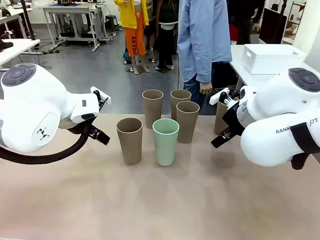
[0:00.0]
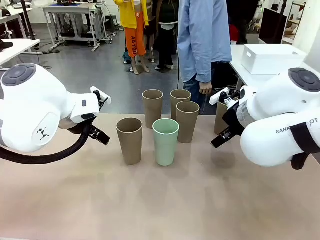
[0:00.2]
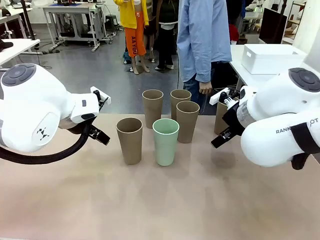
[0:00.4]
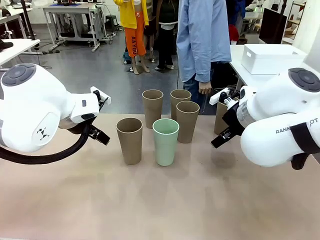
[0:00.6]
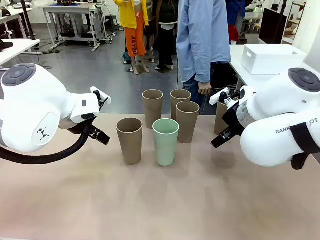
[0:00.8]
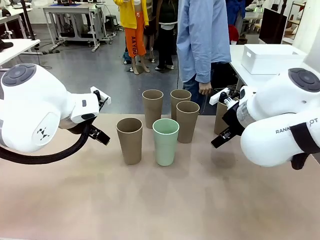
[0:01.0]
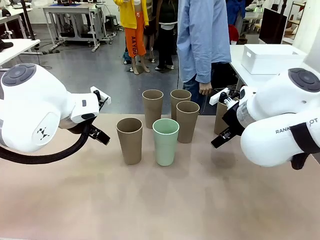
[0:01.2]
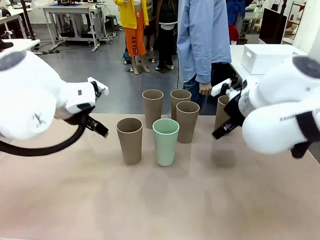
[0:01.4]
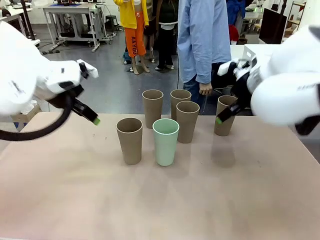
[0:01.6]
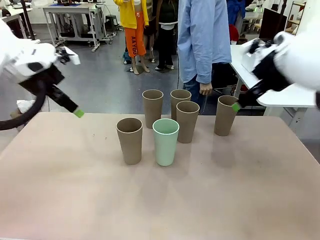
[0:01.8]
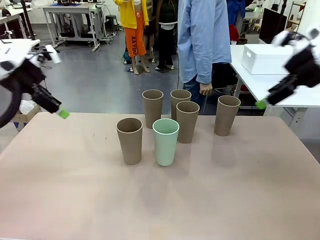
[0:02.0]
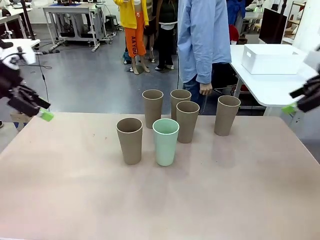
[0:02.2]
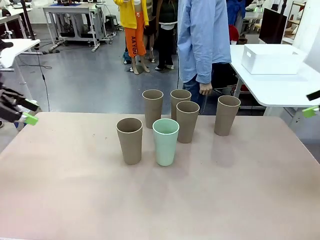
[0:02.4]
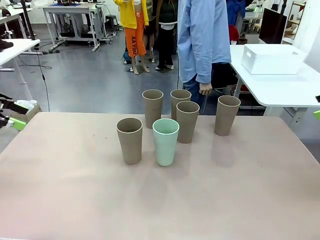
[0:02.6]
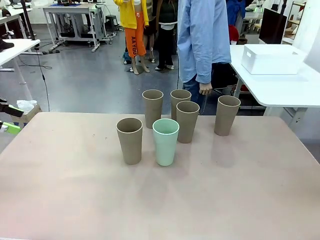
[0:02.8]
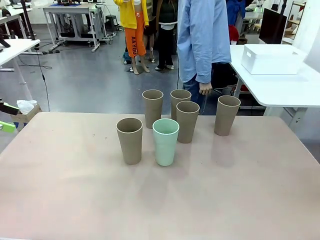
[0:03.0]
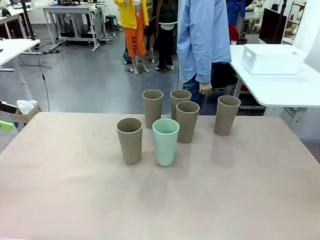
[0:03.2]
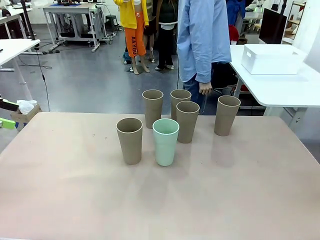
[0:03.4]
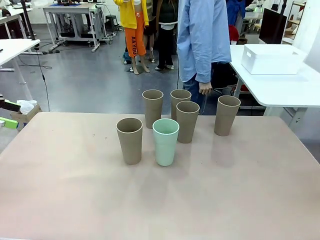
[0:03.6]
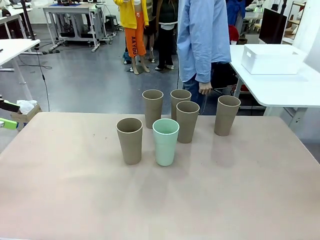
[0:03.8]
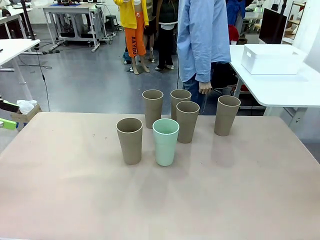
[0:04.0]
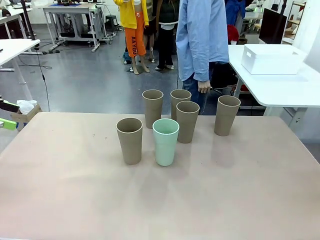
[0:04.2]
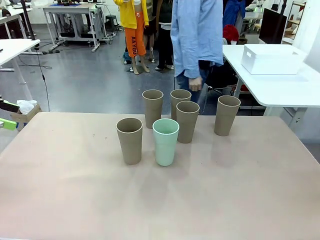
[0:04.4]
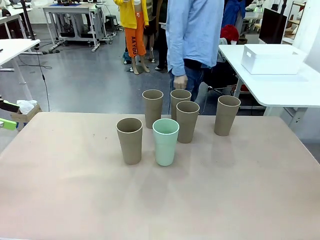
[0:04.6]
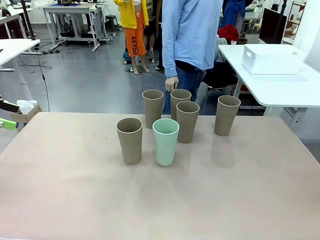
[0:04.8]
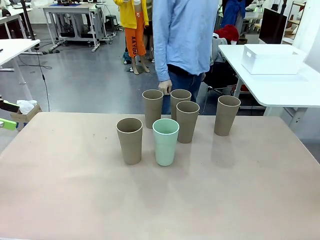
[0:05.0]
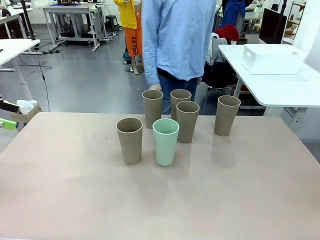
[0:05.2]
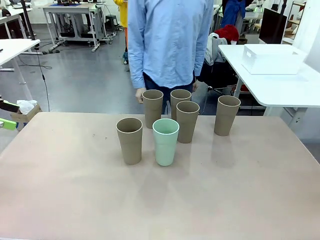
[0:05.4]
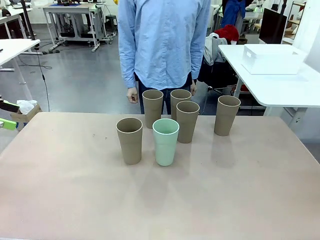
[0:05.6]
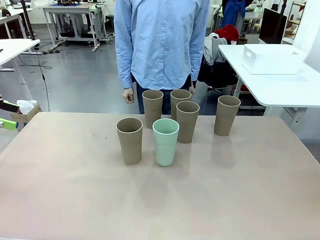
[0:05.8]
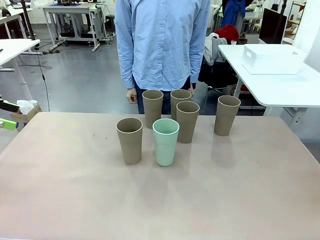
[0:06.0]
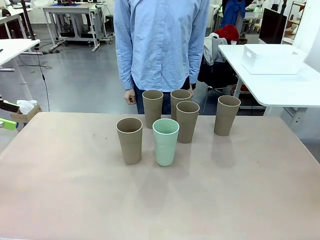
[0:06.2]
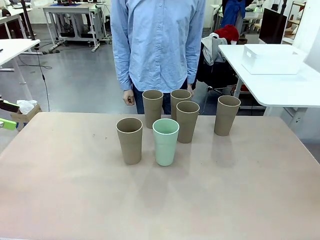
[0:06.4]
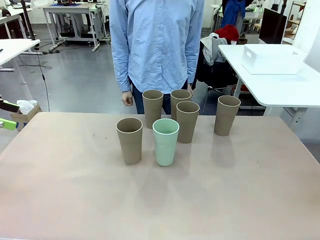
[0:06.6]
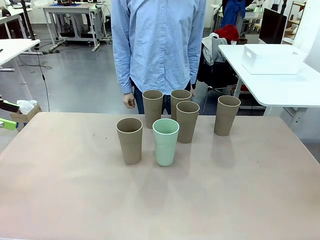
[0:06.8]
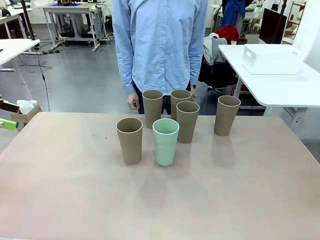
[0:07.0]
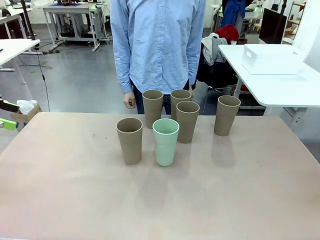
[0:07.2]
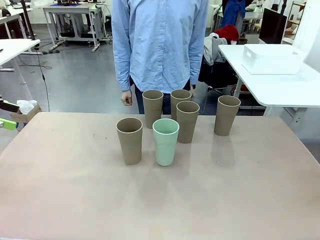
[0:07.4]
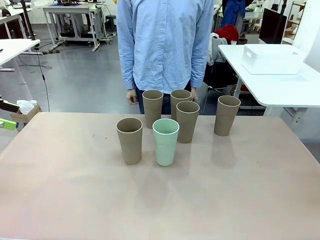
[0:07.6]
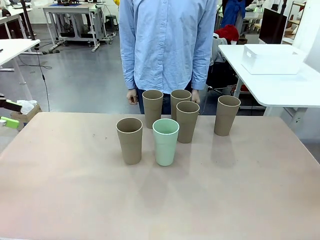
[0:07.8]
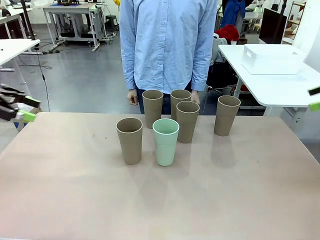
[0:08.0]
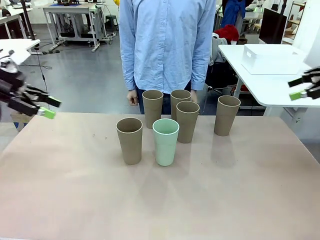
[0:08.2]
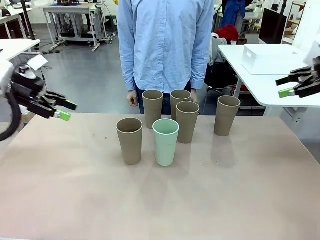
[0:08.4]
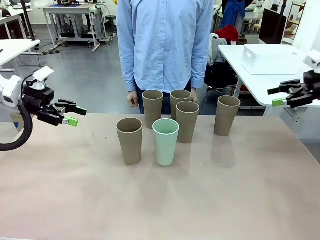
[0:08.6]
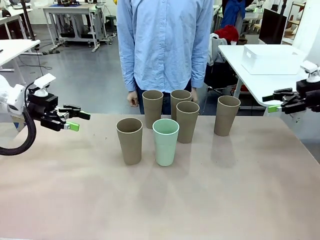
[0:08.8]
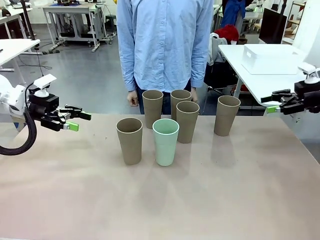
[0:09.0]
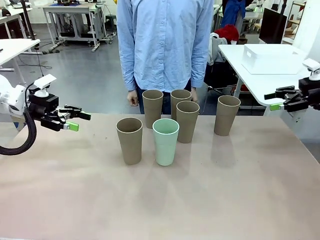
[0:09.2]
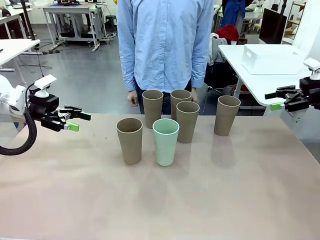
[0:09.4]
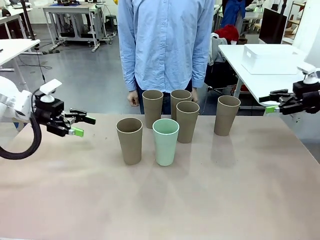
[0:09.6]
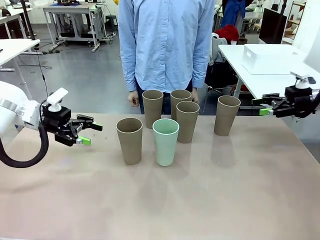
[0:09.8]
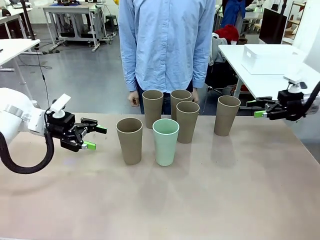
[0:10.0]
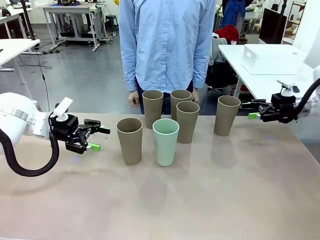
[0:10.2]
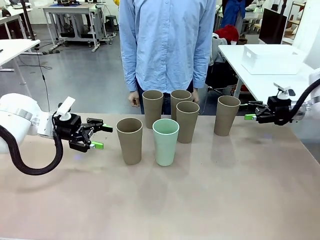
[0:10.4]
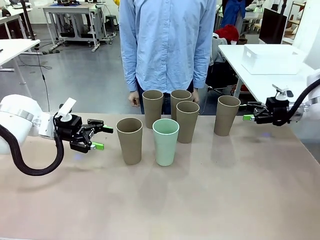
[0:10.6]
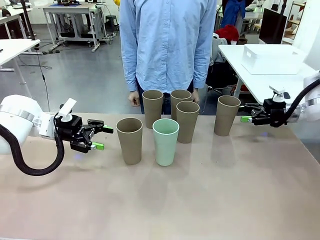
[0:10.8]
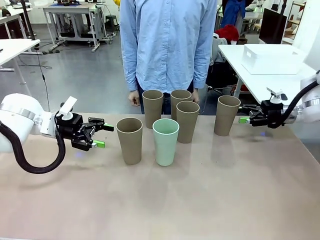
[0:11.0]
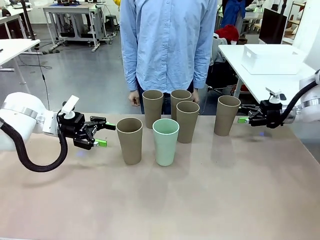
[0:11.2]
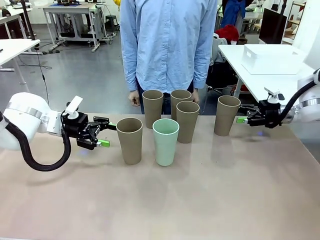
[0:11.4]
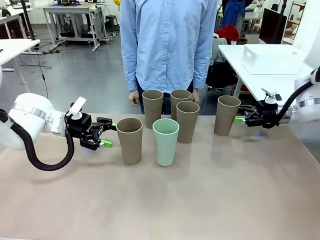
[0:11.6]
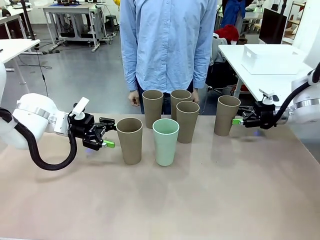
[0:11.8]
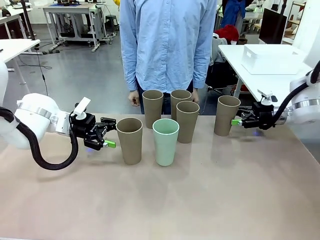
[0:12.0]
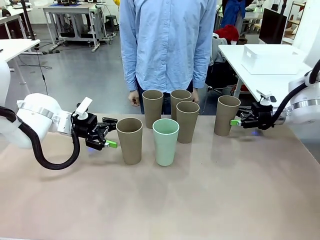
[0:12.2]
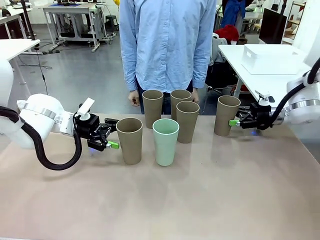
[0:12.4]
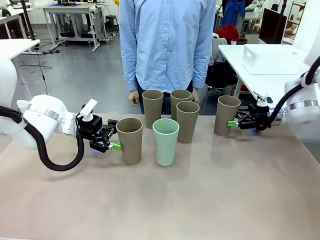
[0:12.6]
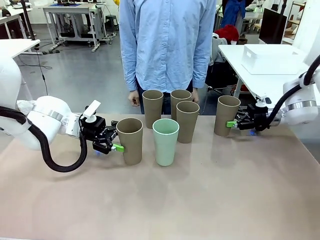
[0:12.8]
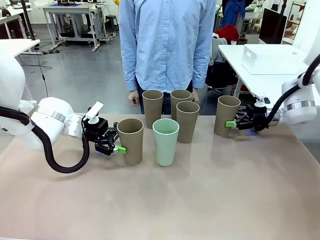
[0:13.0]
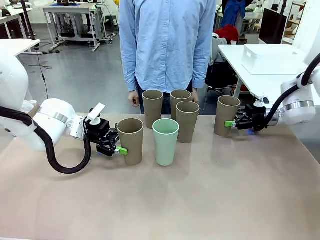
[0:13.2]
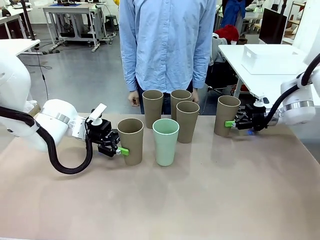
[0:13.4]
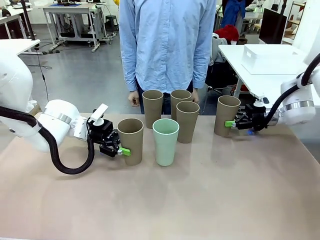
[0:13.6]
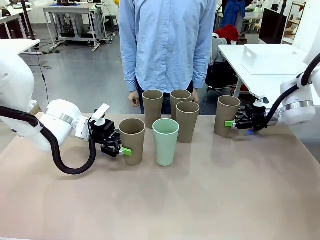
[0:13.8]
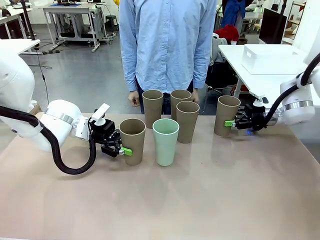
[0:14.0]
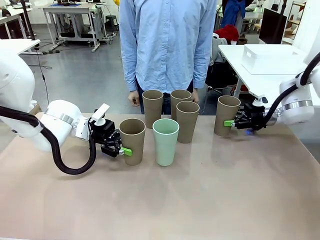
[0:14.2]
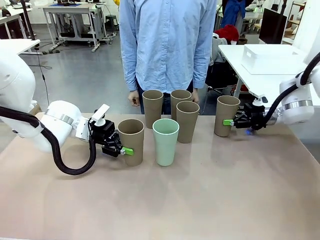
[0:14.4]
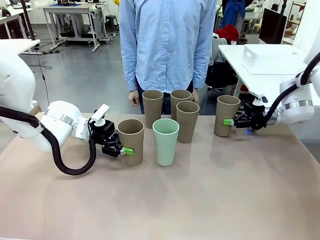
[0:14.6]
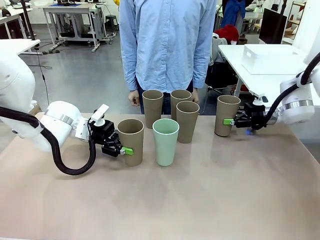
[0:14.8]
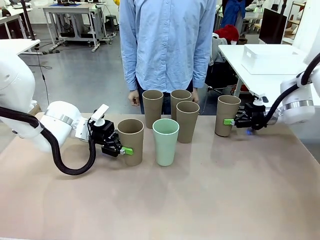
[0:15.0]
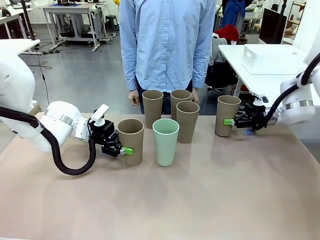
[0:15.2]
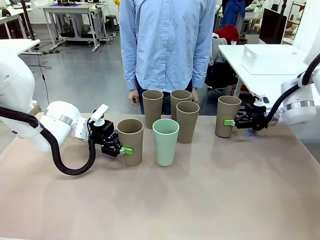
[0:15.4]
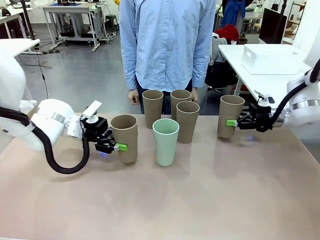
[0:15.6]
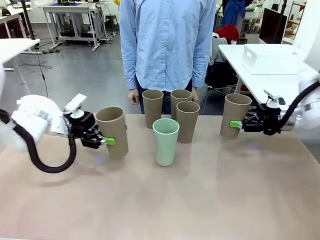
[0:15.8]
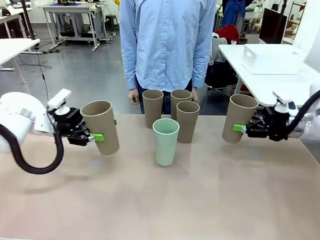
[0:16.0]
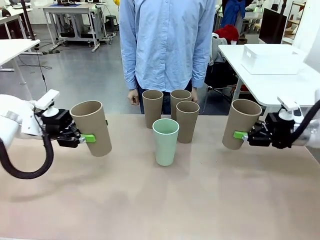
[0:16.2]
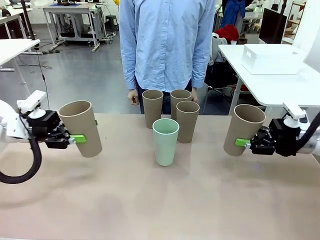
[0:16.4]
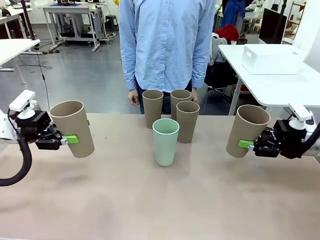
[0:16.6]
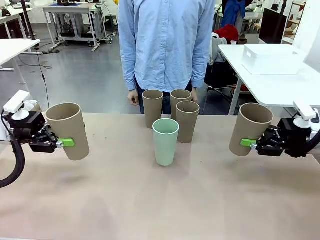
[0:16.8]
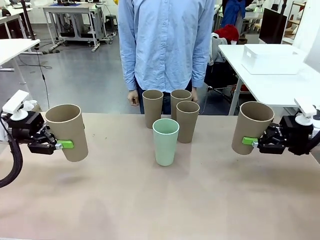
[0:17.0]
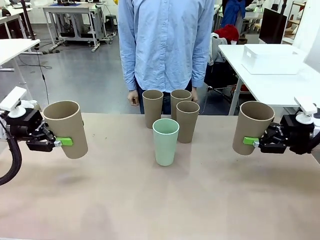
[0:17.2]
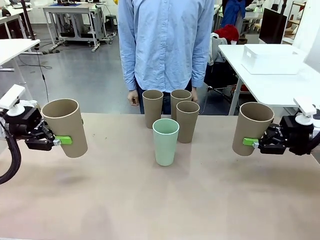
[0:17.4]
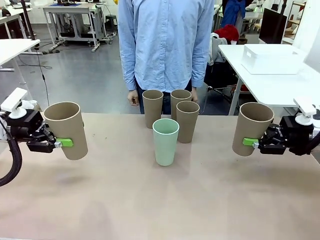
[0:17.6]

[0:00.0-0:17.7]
Task: Stack the cups and store them in the basket.
Robot: Pick up two Reusable plastic cups , one in each hand.
Person: Move from the Human Table to the front of the Robot Table. Stack two of the remaining cups on top of each cup held by the robot.
